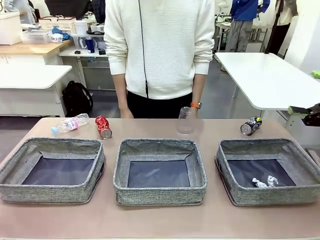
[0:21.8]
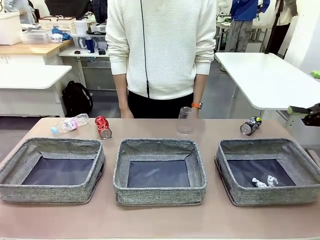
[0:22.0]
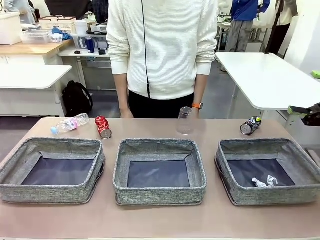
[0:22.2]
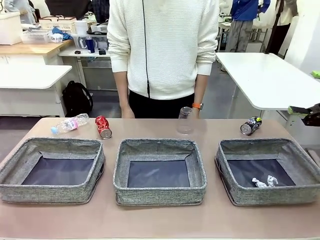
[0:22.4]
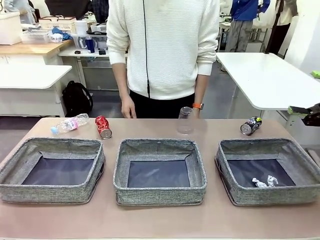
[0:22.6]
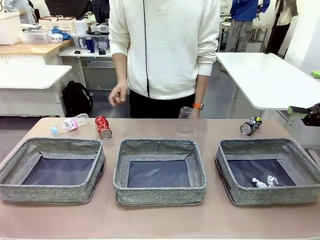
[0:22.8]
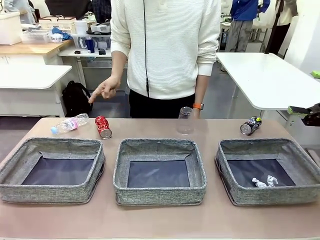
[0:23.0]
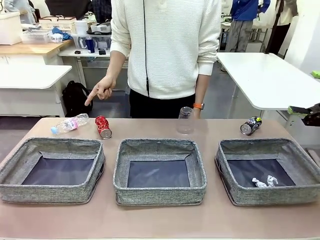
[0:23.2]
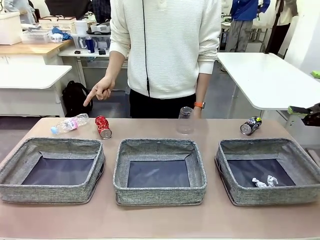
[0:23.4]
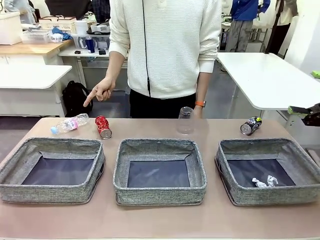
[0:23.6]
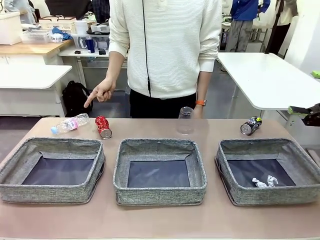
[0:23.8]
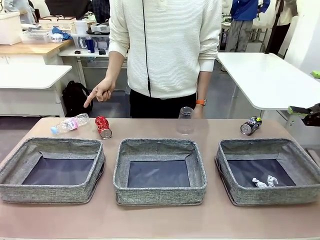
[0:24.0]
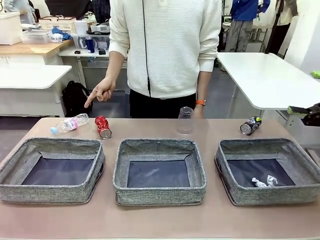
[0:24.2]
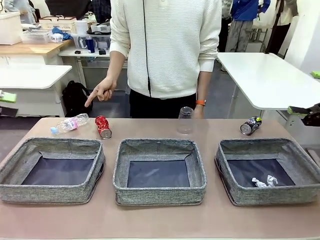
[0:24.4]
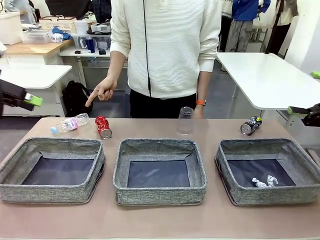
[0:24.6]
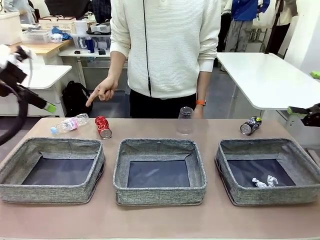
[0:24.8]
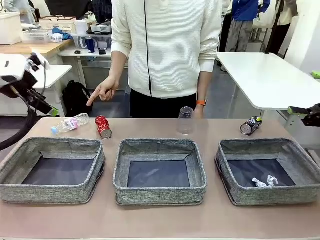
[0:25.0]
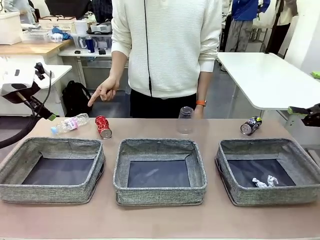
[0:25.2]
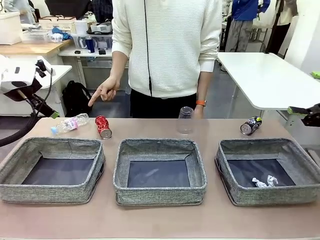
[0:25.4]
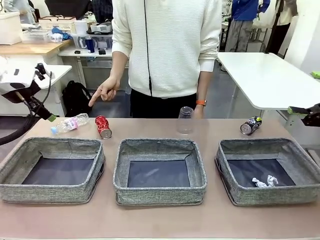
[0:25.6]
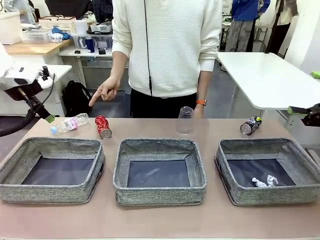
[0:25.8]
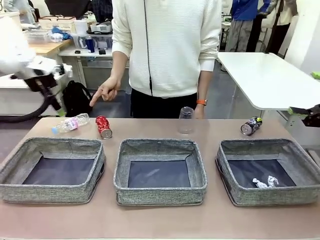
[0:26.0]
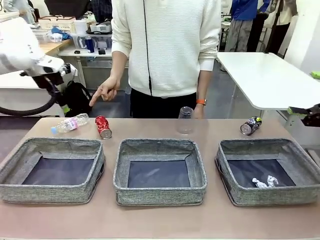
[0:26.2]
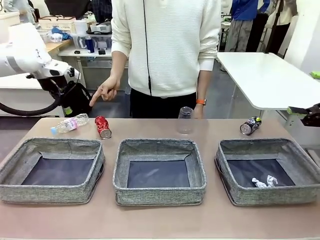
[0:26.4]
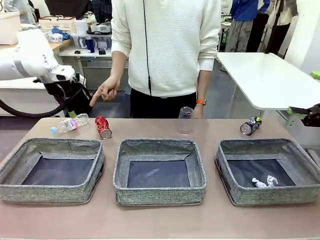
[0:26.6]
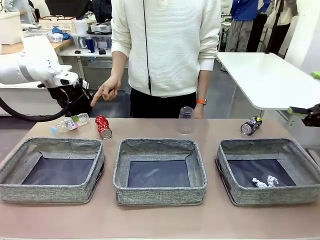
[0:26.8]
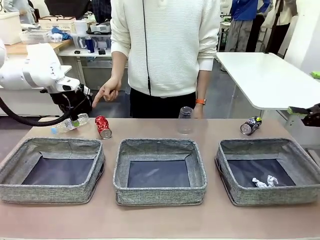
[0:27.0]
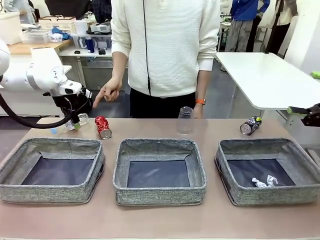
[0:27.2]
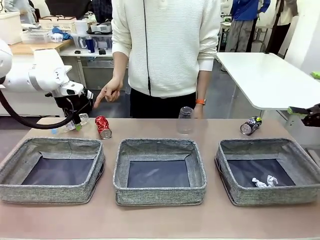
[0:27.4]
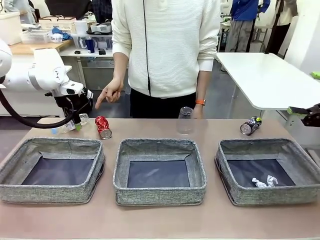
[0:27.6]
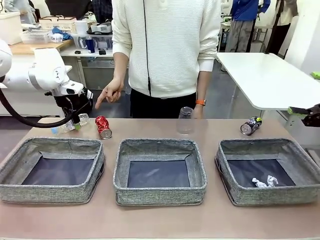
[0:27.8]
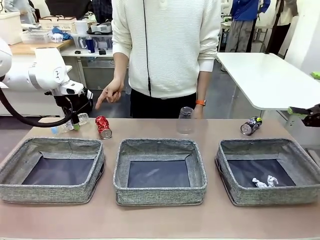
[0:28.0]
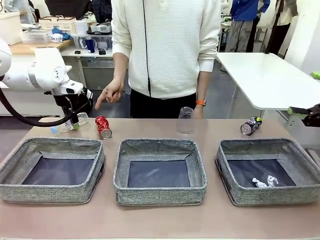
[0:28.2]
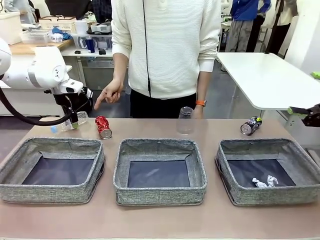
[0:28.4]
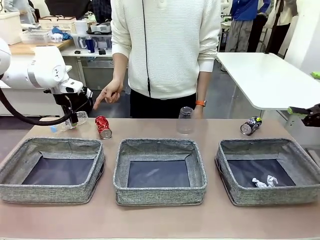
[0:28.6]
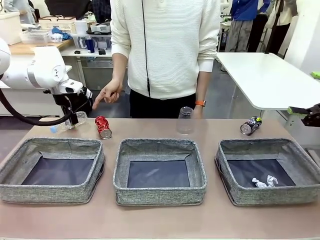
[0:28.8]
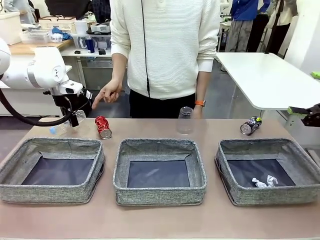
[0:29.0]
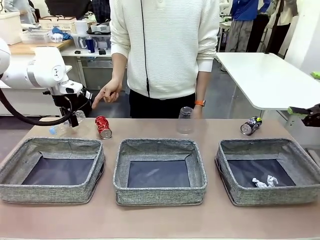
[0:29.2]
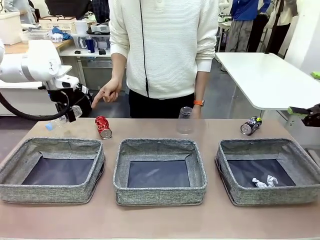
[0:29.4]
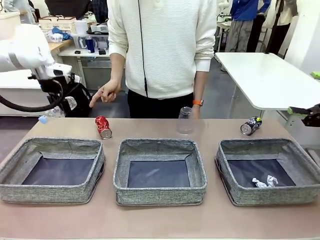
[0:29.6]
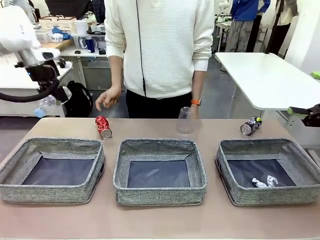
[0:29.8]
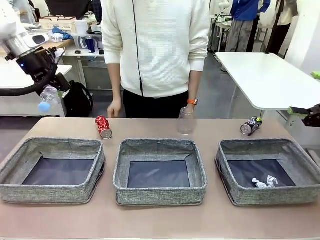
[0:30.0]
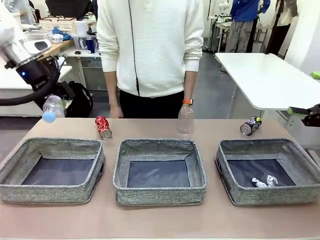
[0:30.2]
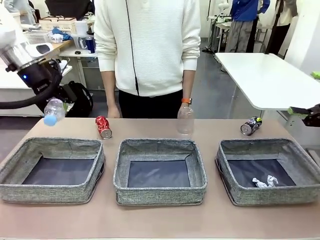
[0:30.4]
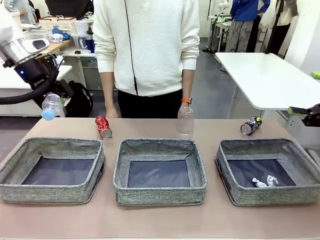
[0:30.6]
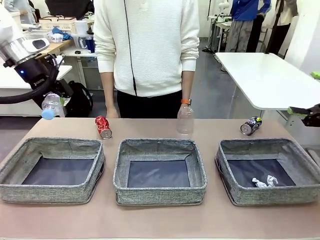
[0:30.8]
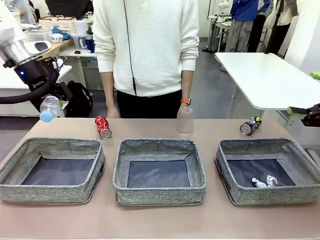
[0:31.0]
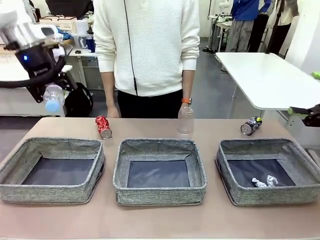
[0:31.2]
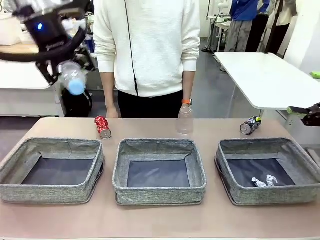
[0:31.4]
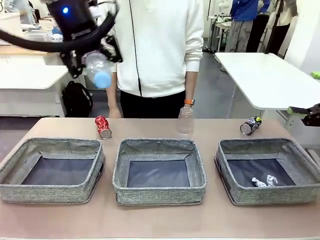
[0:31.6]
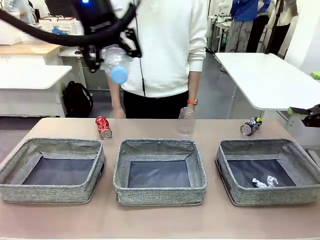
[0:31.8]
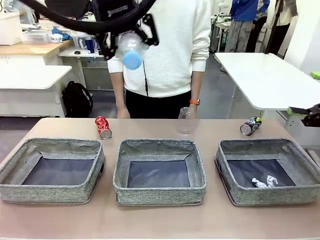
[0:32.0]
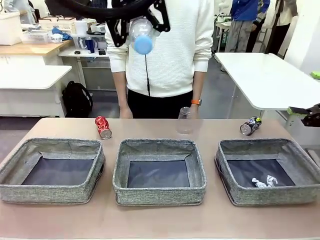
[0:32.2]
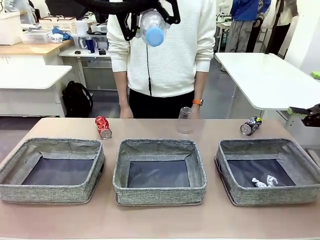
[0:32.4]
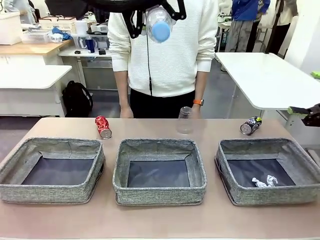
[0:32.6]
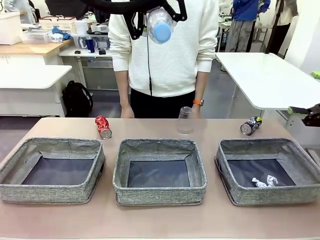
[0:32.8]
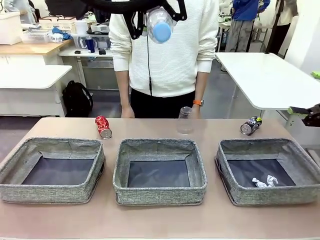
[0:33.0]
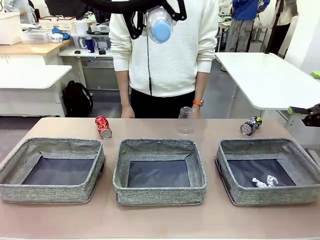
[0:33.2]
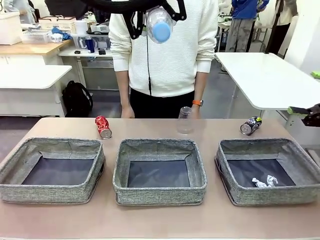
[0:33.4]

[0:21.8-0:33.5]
Task: Sort the waste into the appropriate baskets.
Robot: Pick up the waste item pointed out by the person.
Person: Points to one piece of trash on the table.

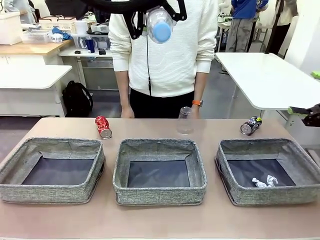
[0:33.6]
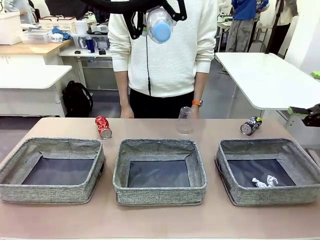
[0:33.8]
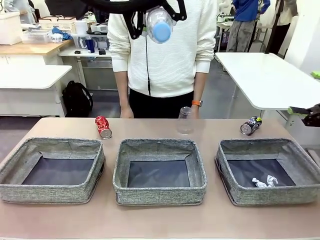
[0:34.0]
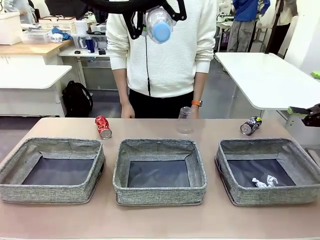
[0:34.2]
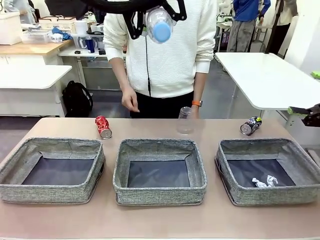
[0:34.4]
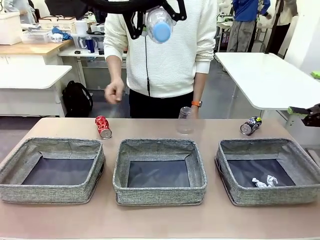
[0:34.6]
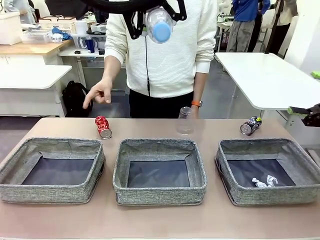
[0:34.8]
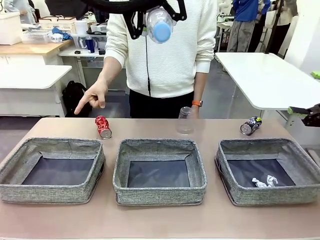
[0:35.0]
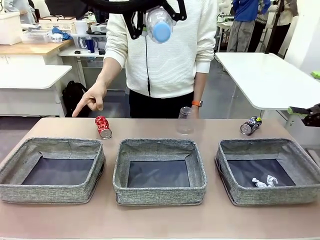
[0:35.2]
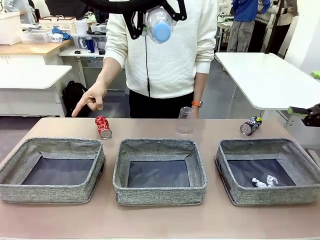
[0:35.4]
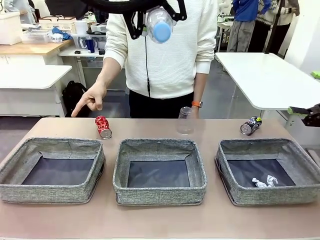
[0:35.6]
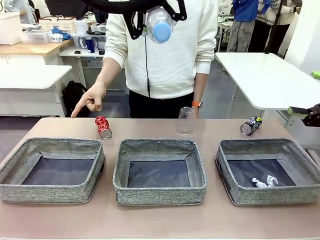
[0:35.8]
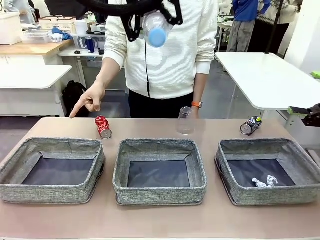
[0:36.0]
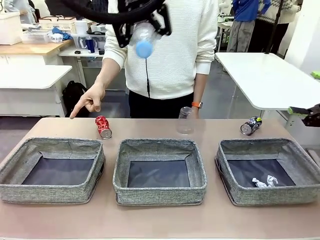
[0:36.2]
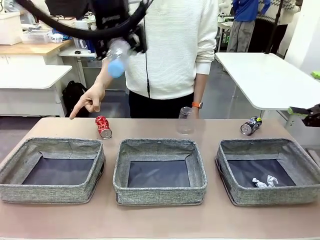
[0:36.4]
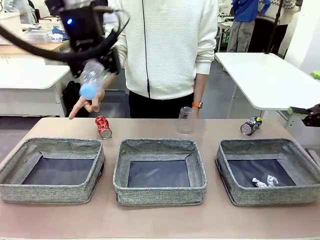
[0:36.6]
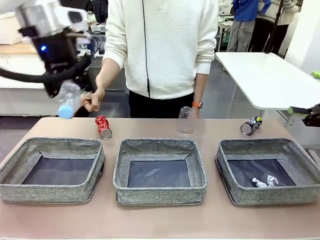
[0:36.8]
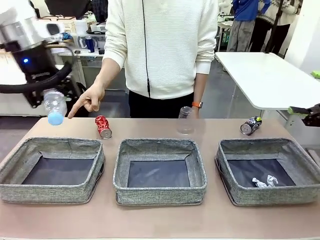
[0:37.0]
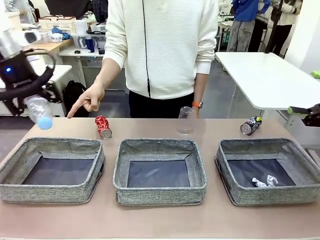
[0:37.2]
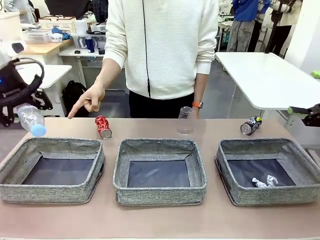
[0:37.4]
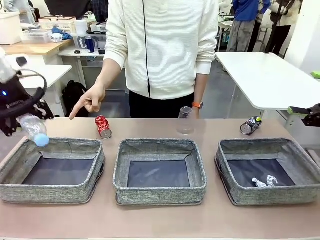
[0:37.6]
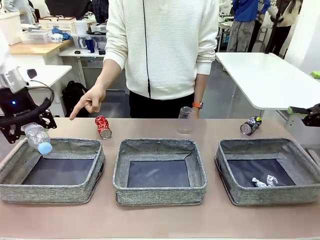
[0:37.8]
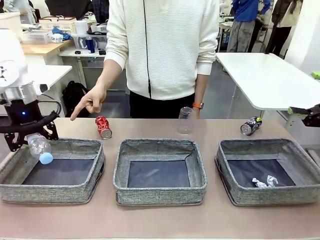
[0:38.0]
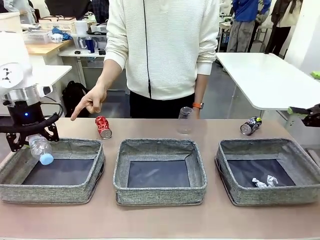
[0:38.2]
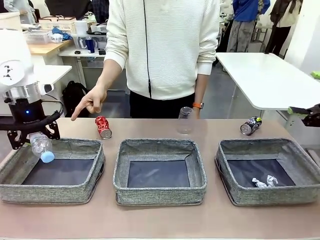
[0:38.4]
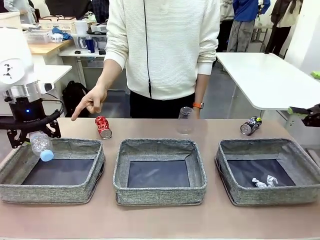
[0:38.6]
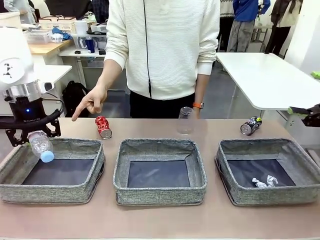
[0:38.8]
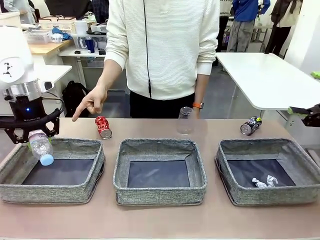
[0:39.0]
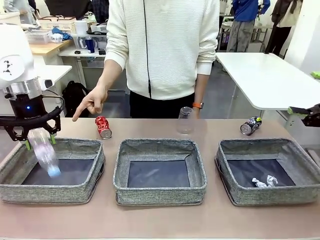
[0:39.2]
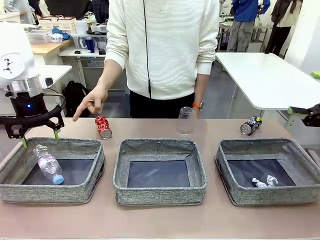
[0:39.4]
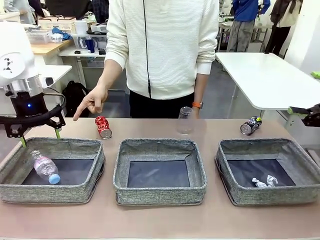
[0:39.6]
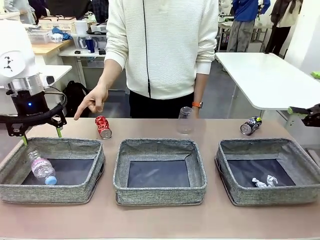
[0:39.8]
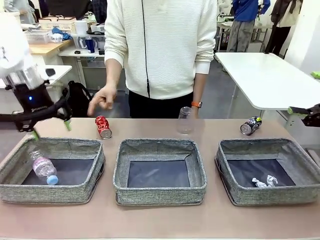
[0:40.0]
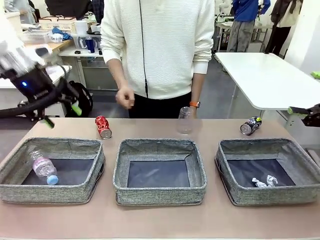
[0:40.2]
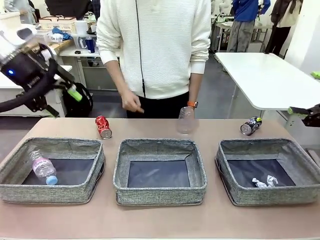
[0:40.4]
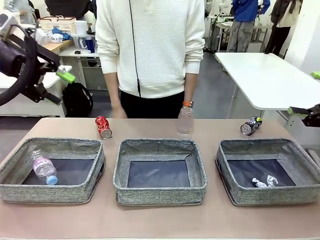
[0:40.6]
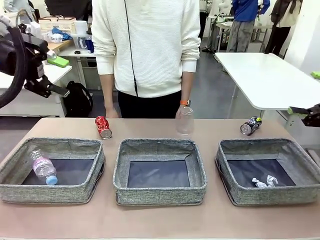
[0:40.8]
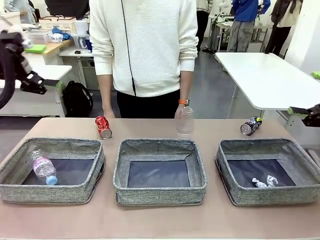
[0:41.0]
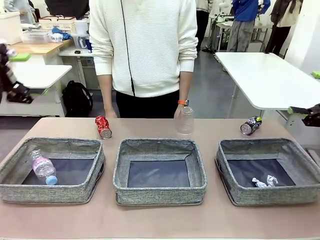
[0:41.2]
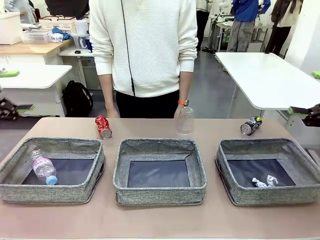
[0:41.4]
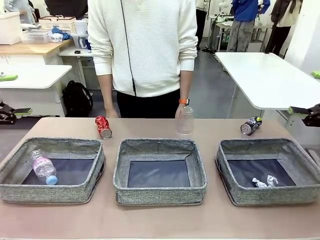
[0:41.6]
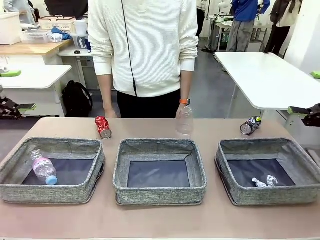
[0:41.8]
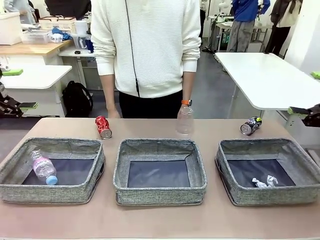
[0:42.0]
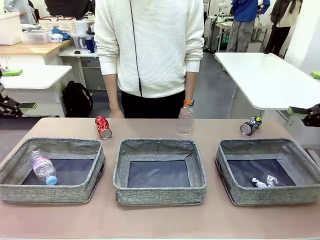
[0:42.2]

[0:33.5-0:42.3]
Robot: Place the picked waste into the Fabric basket indicated by the person.
Person: Instructs the robot to place the picked-up trash into the appropriate organizing basket.
